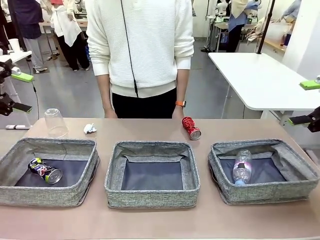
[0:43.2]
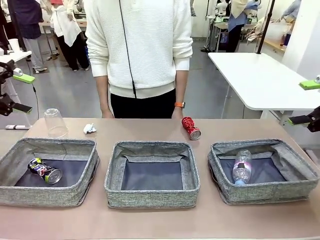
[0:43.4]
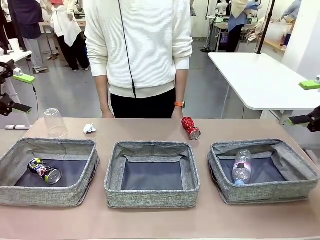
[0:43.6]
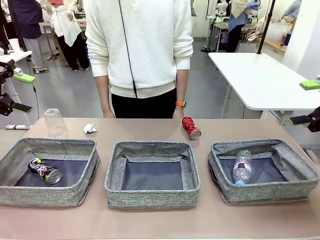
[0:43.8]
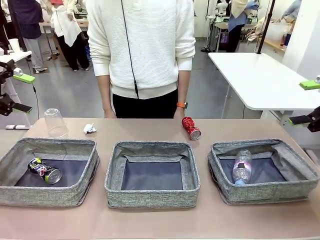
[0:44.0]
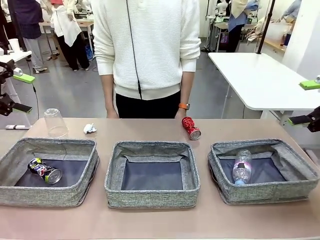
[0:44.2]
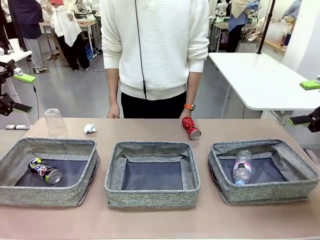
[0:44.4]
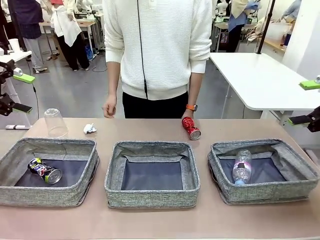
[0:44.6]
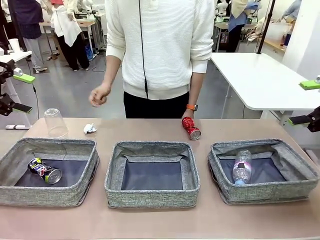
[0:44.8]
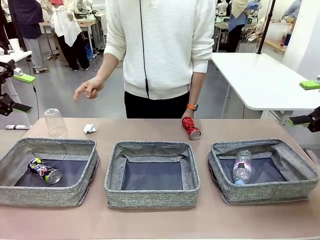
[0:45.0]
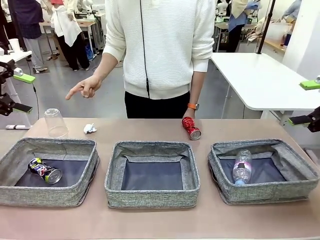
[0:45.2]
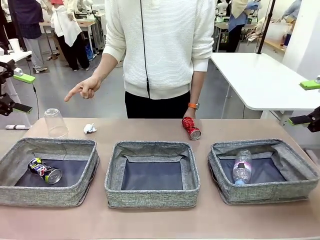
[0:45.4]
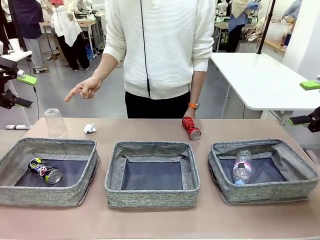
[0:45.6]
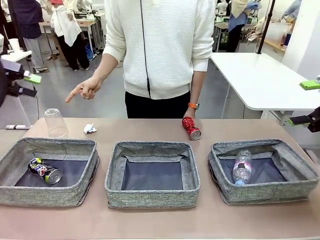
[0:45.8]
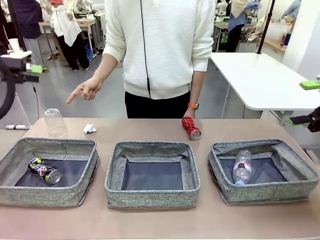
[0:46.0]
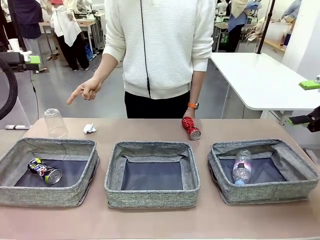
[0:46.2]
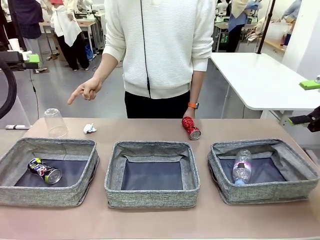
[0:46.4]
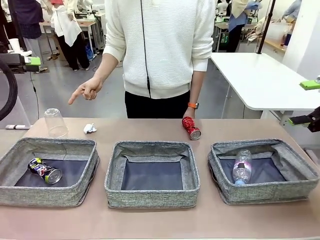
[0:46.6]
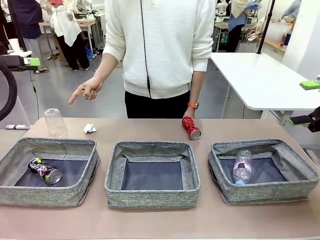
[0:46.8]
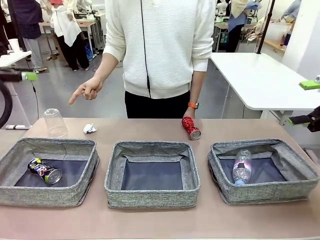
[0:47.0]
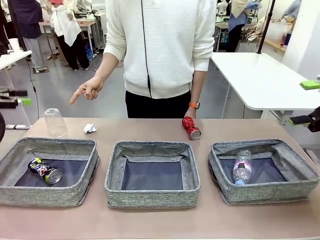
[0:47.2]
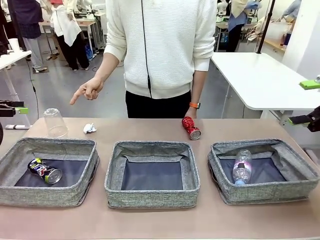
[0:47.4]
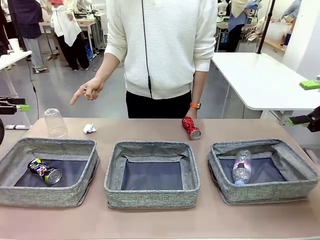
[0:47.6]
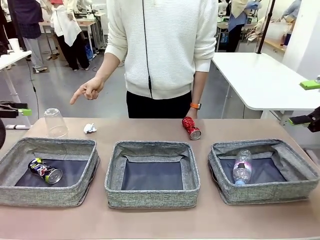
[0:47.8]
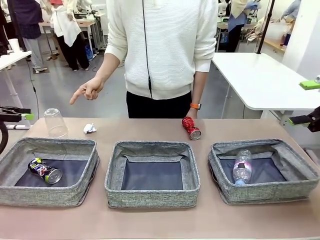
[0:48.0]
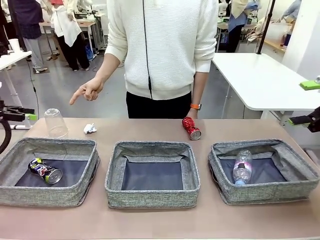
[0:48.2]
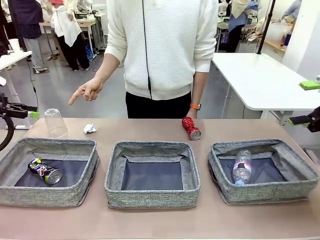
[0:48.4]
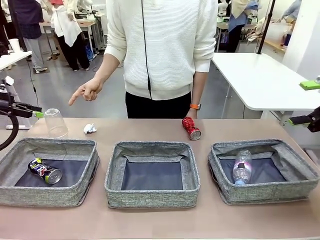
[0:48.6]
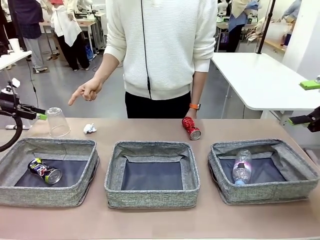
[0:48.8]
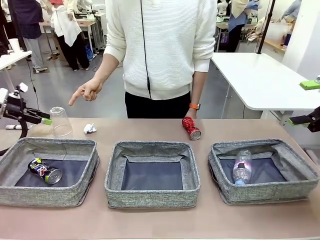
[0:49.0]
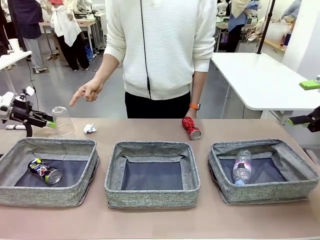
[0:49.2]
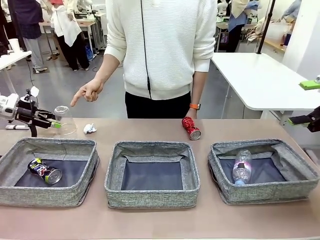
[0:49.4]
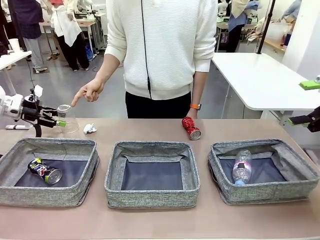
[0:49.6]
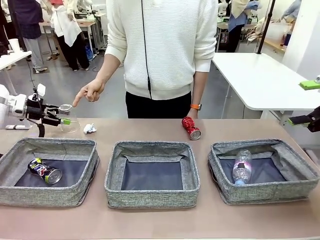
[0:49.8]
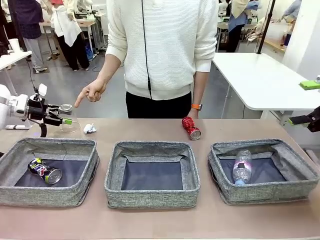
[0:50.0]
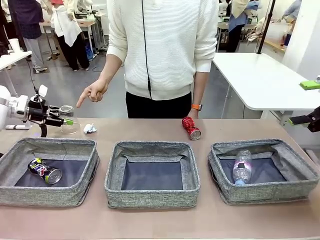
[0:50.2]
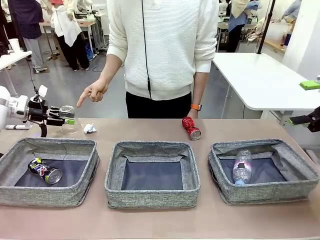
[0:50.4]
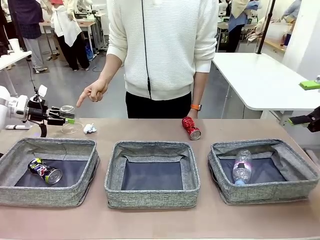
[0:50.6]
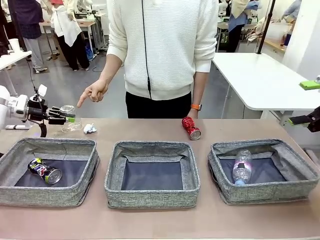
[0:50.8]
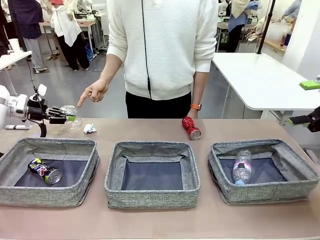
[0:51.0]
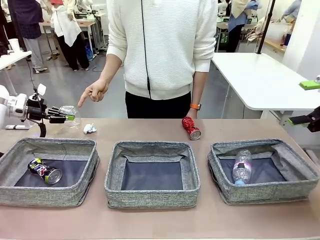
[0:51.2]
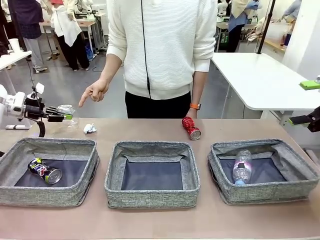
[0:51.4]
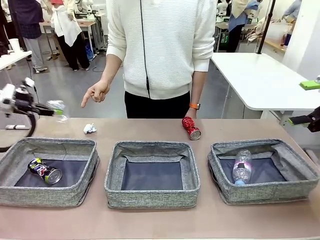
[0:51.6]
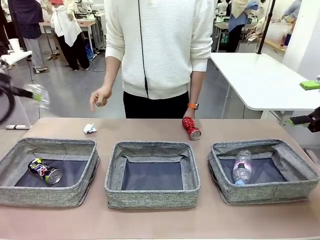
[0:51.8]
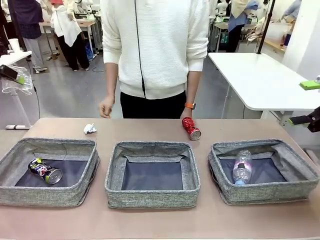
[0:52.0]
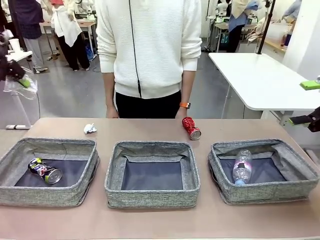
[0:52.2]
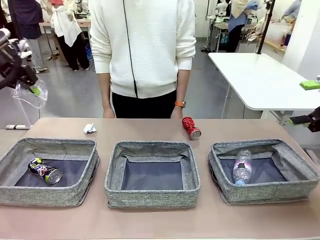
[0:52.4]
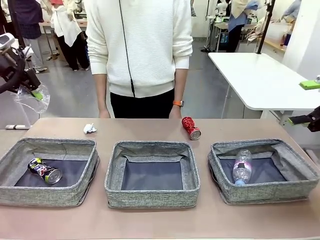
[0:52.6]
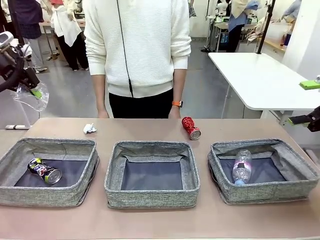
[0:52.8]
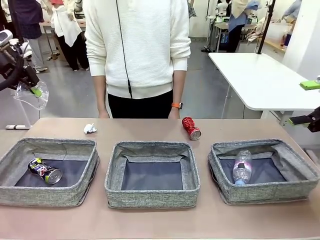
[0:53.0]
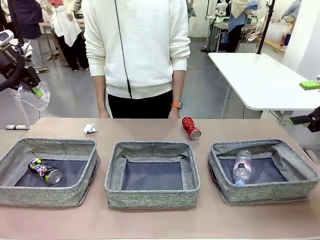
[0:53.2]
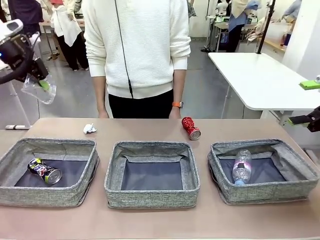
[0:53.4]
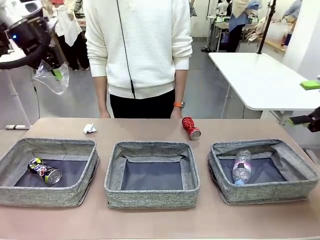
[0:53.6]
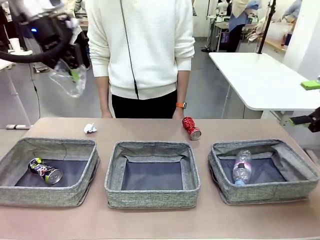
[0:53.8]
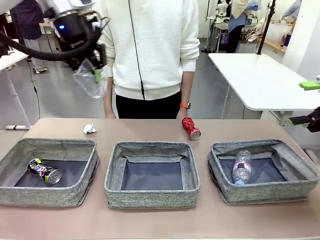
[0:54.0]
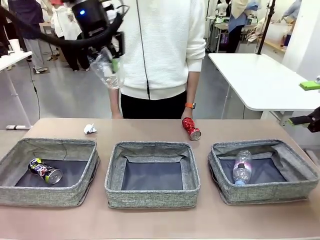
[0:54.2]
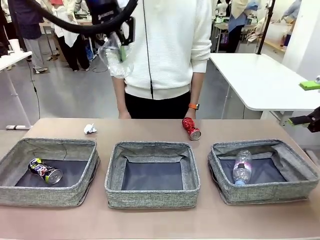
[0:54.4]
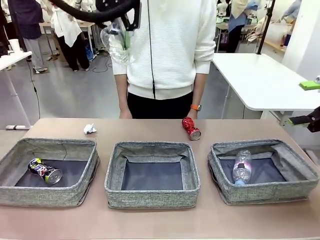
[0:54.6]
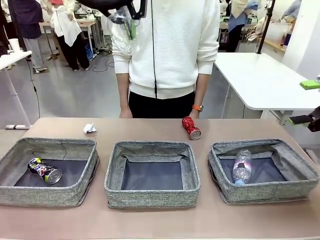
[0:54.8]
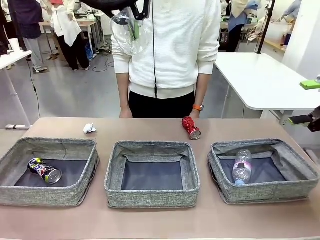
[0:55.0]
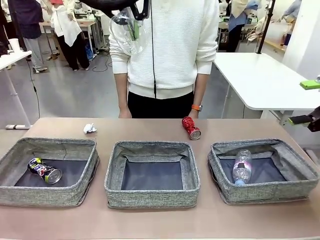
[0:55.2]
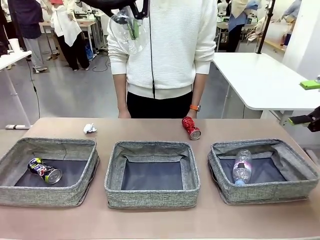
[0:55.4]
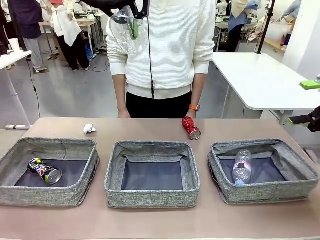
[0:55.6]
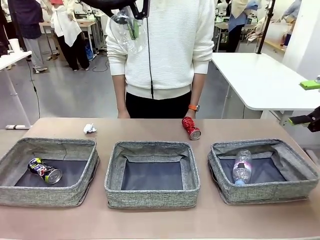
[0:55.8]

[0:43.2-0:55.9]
Task: Sort the waste into the appropriate baskets.
Robot: Pick up the waste item pointed out by the person.
Person: Points to one piece of trash on the table.

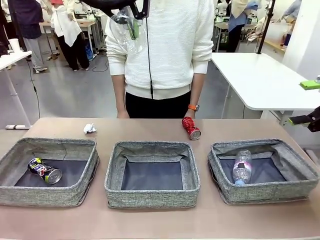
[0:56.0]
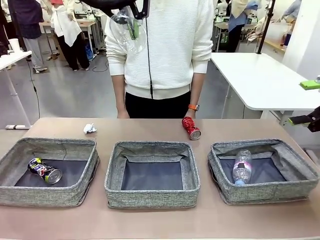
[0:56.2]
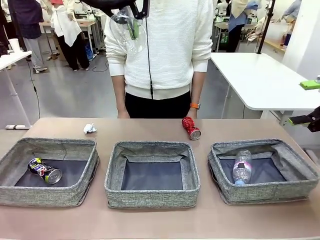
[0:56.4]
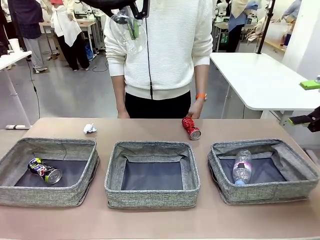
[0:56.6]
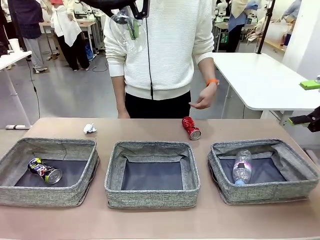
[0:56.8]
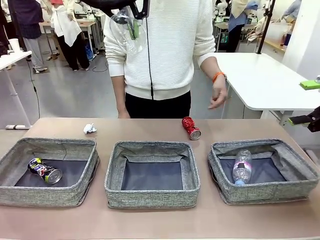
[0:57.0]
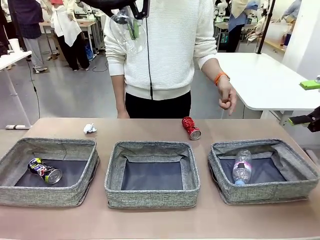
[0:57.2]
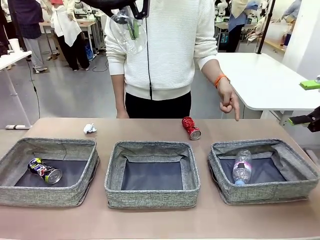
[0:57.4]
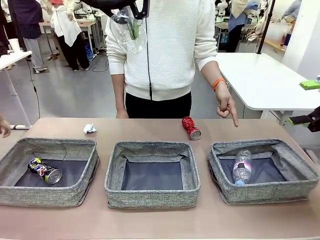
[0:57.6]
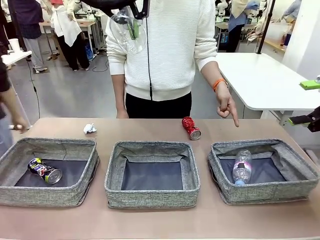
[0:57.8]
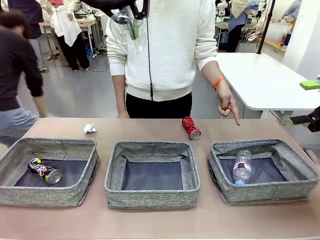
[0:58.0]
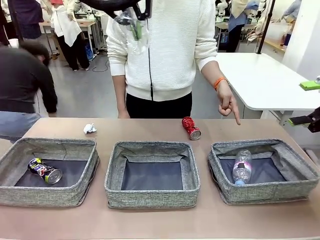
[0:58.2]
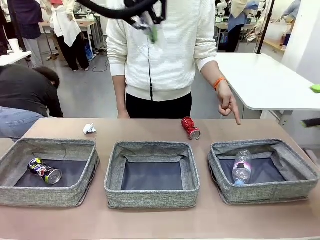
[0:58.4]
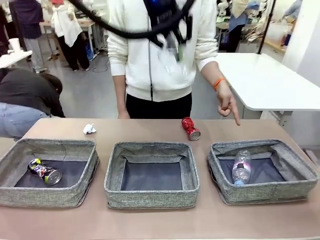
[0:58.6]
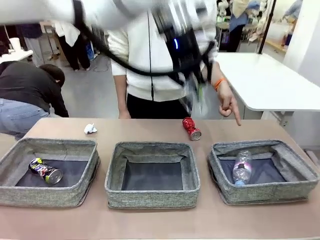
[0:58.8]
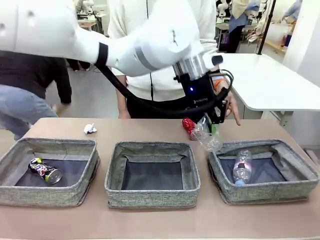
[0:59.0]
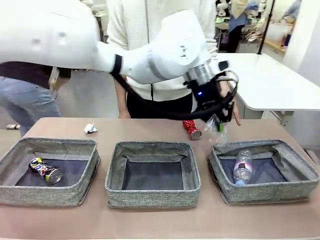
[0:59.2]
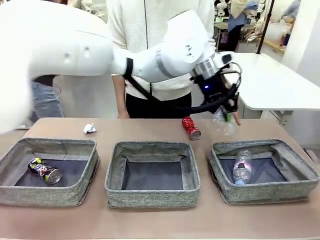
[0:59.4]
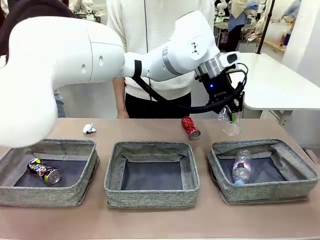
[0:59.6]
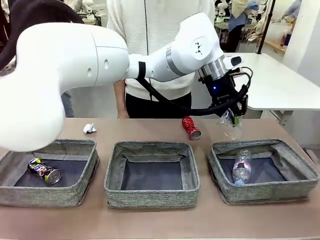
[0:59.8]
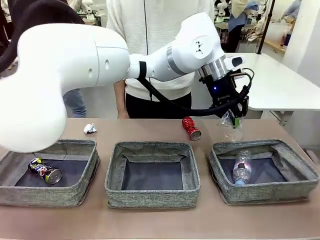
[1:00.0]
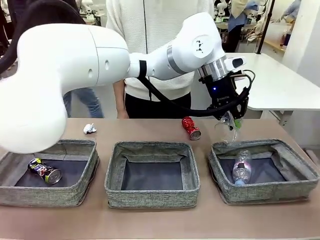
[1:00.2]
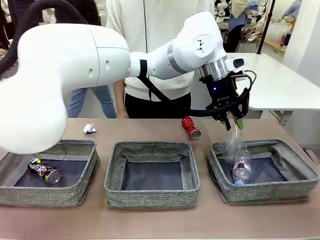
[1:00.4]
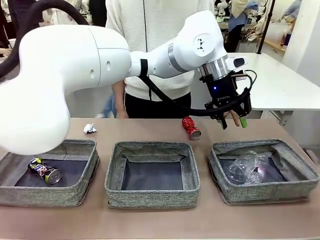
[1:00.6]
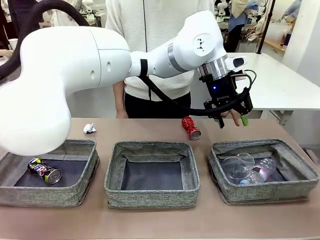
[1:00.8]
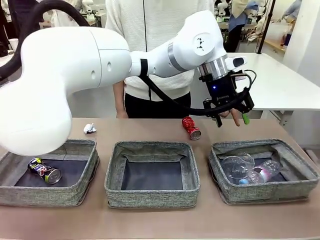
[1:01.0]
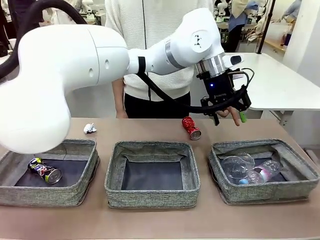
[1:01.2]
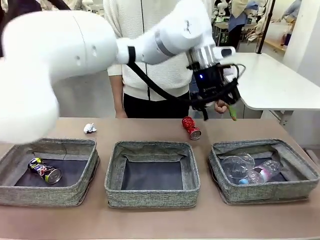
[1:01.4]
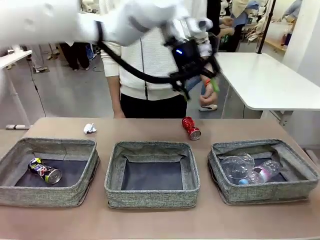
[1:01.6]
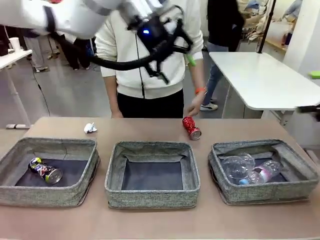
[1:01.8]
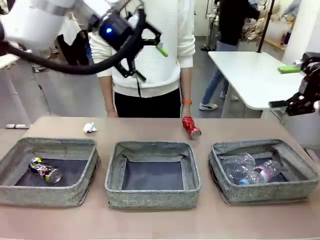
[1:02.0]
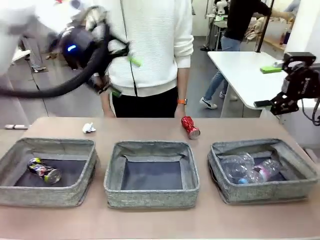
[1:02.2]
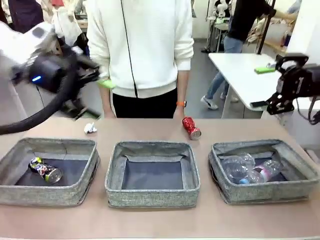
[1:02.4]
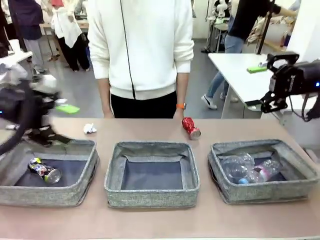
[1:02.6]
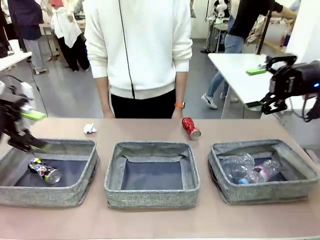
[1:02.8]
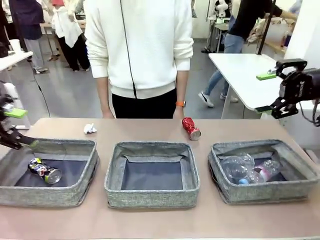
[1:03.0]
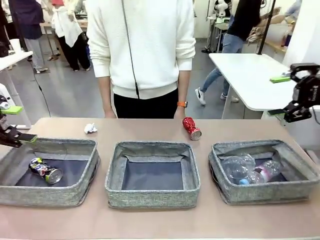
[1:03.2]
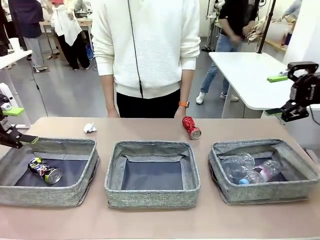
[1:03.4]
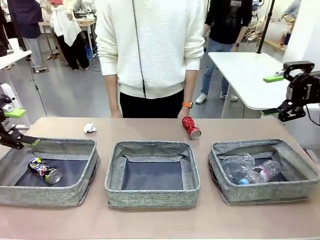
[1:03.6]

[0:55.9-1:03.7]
Robot: Place the picked waste into the Fabric basket indicated by the person.
Person: Instructs the robot to place the picked-up trash into the appropriate organizing basket.
